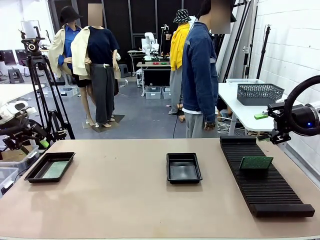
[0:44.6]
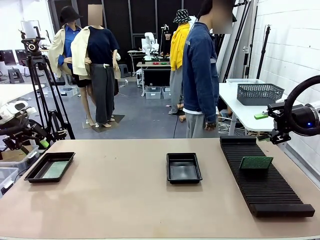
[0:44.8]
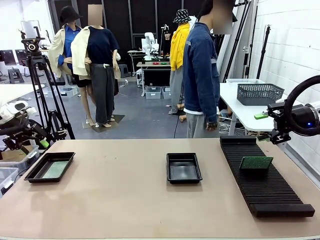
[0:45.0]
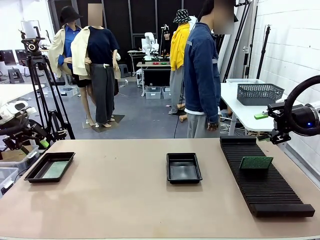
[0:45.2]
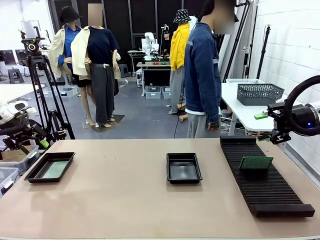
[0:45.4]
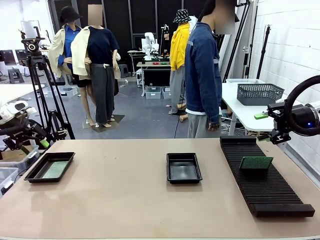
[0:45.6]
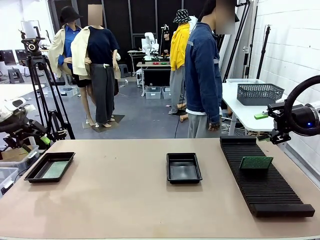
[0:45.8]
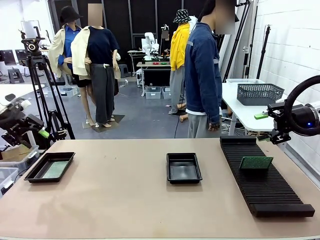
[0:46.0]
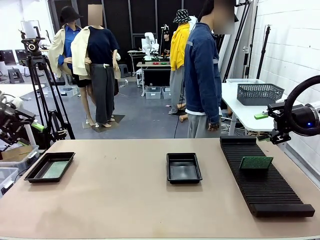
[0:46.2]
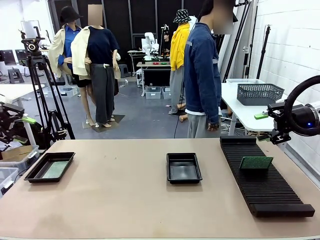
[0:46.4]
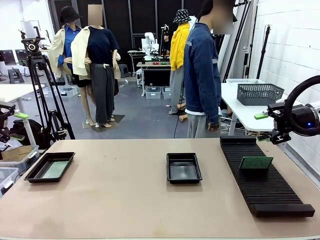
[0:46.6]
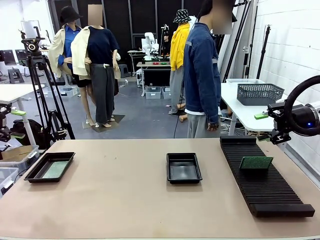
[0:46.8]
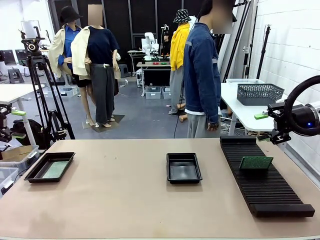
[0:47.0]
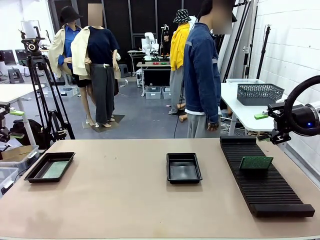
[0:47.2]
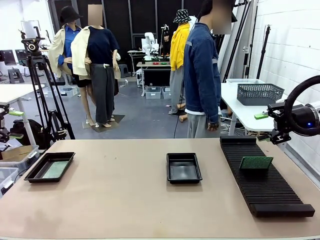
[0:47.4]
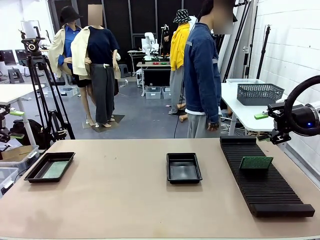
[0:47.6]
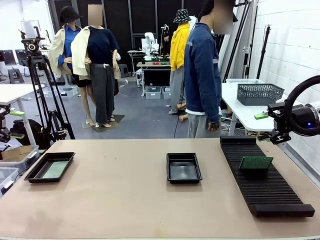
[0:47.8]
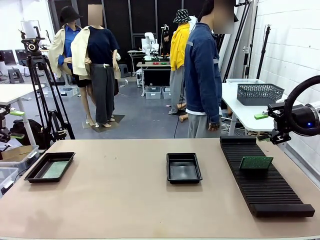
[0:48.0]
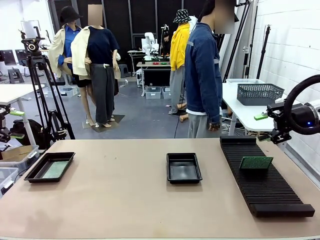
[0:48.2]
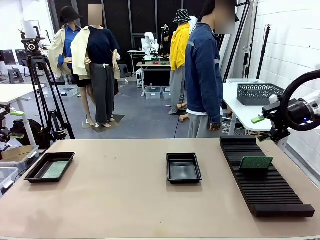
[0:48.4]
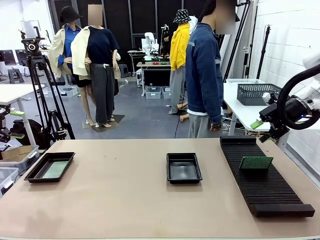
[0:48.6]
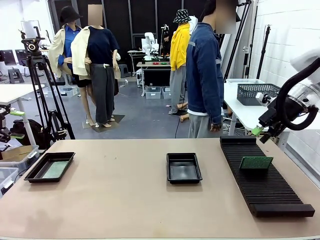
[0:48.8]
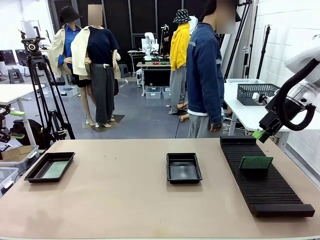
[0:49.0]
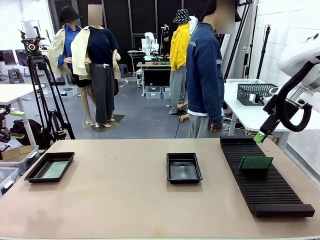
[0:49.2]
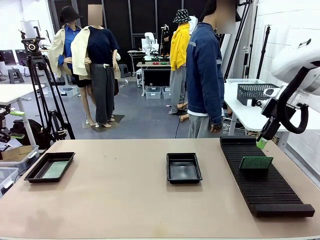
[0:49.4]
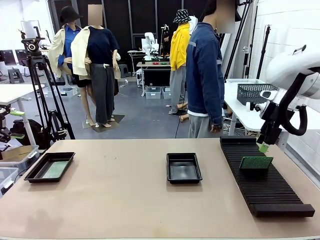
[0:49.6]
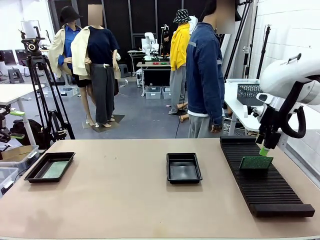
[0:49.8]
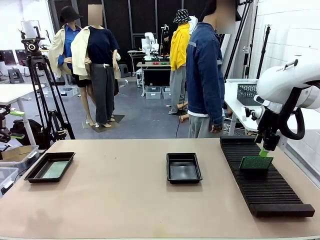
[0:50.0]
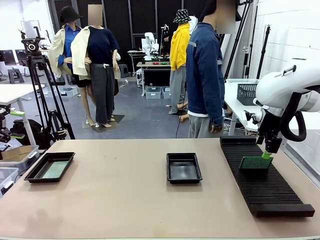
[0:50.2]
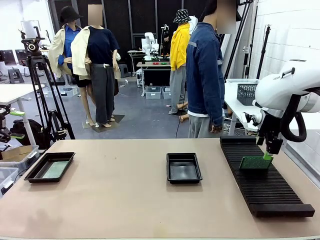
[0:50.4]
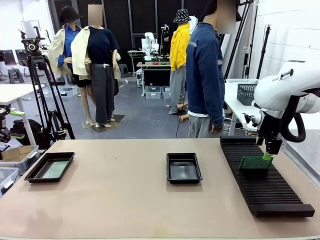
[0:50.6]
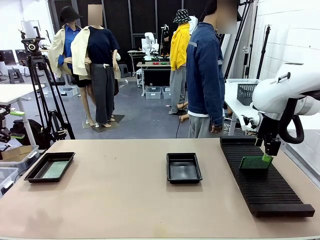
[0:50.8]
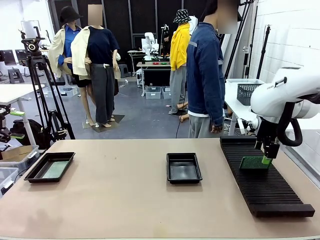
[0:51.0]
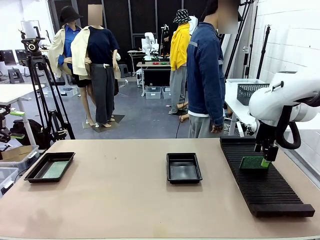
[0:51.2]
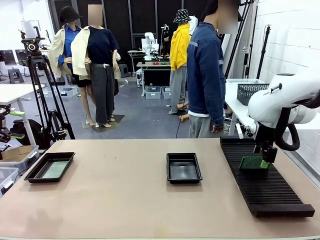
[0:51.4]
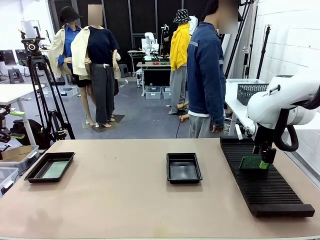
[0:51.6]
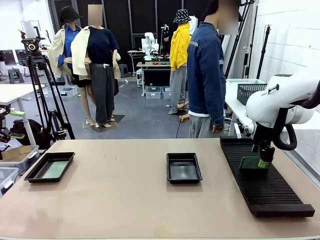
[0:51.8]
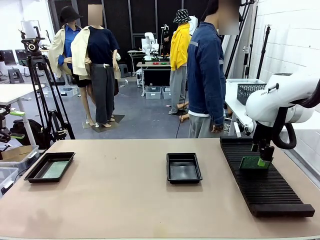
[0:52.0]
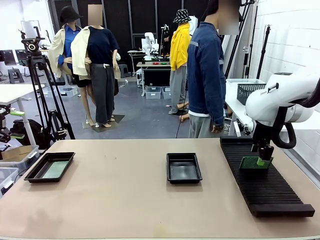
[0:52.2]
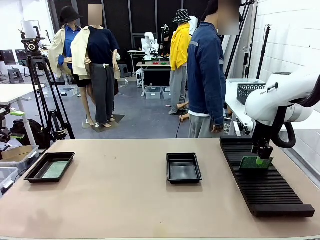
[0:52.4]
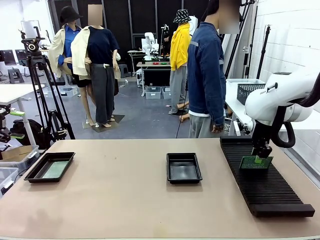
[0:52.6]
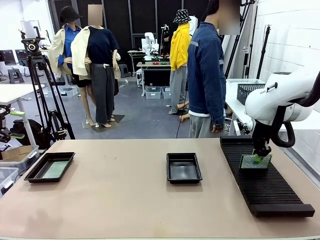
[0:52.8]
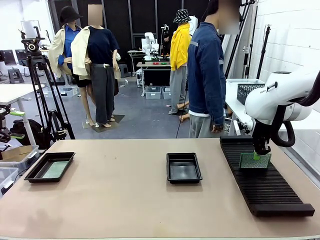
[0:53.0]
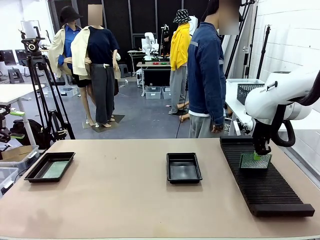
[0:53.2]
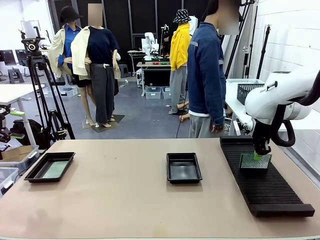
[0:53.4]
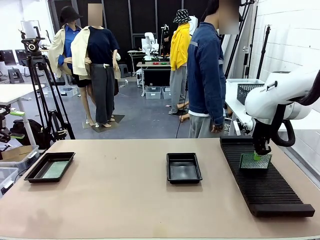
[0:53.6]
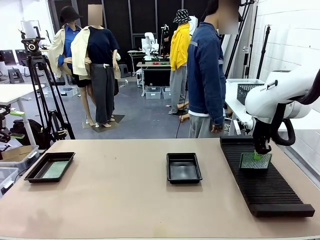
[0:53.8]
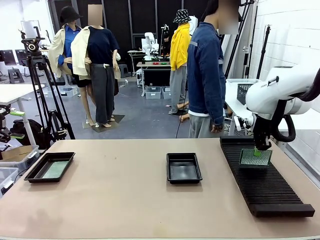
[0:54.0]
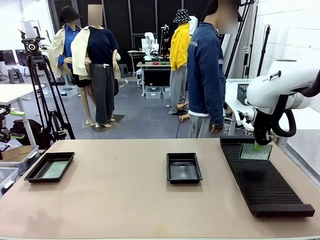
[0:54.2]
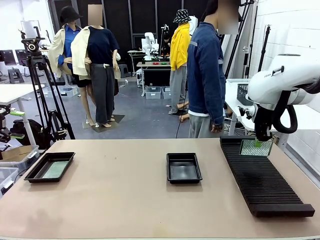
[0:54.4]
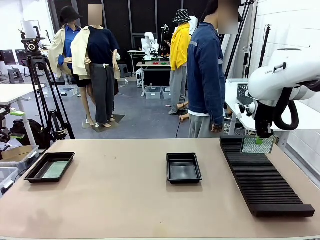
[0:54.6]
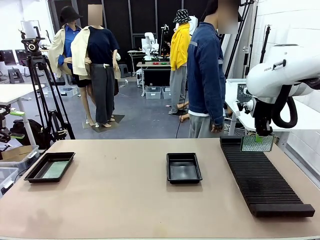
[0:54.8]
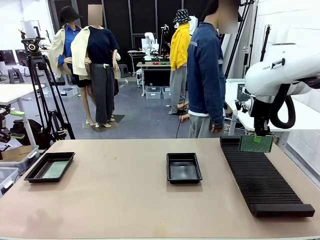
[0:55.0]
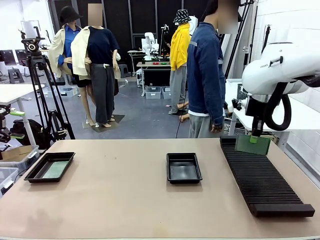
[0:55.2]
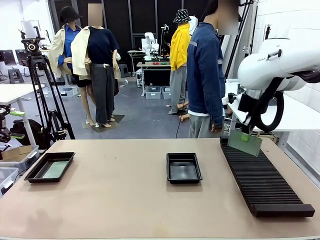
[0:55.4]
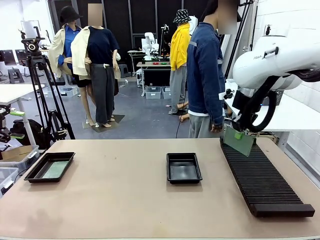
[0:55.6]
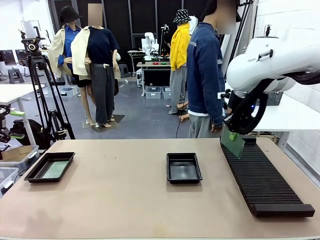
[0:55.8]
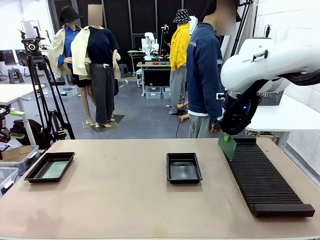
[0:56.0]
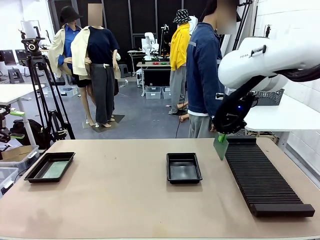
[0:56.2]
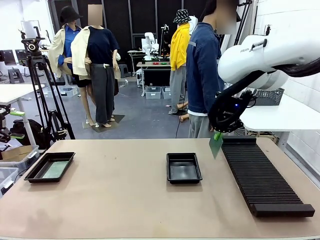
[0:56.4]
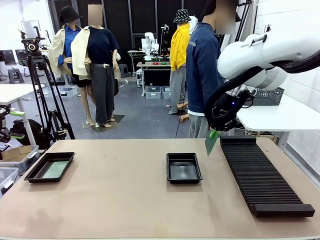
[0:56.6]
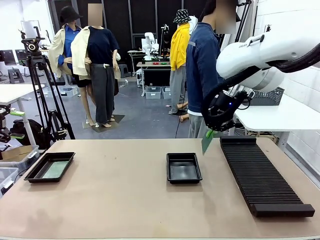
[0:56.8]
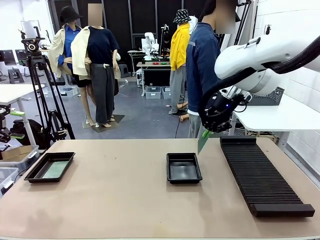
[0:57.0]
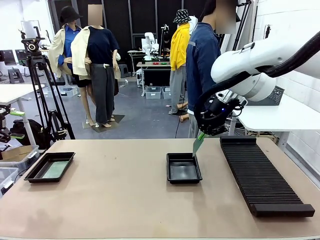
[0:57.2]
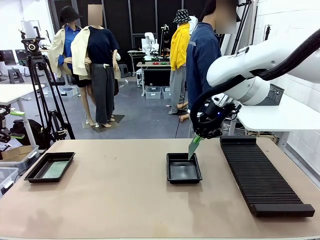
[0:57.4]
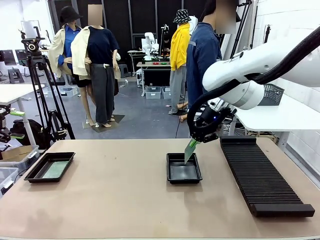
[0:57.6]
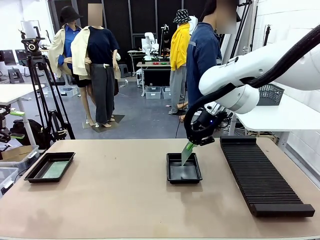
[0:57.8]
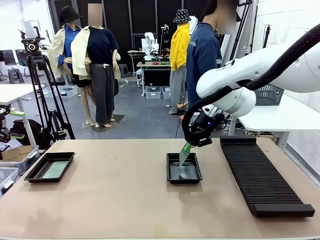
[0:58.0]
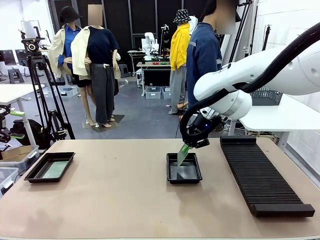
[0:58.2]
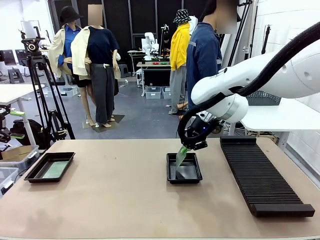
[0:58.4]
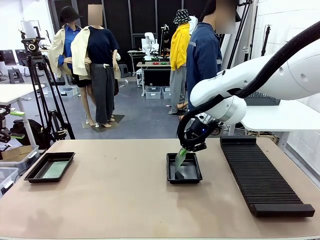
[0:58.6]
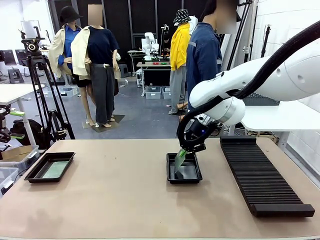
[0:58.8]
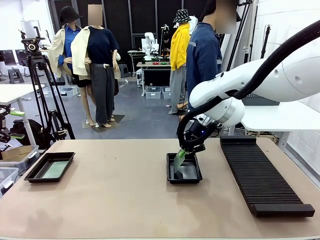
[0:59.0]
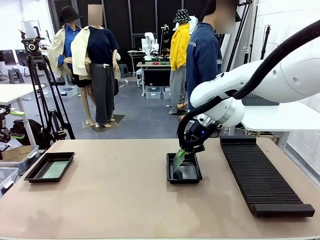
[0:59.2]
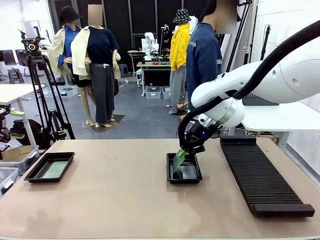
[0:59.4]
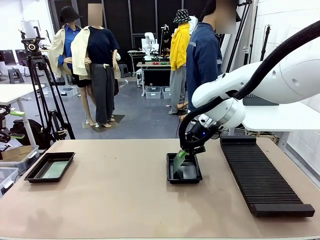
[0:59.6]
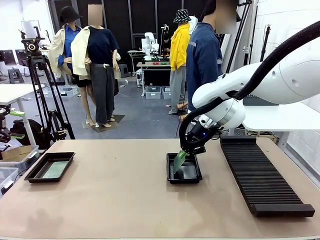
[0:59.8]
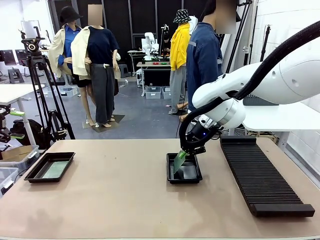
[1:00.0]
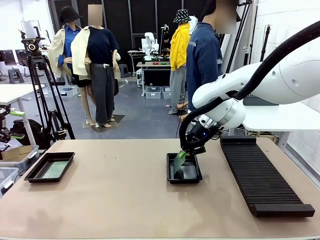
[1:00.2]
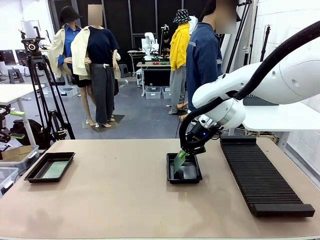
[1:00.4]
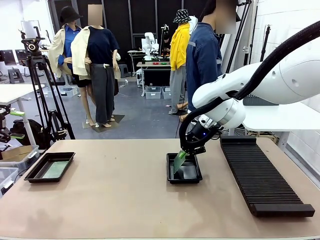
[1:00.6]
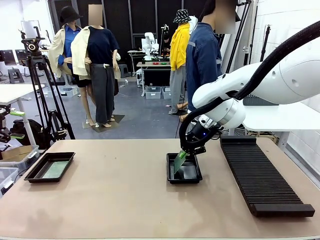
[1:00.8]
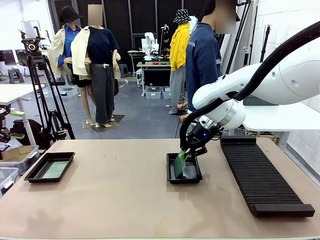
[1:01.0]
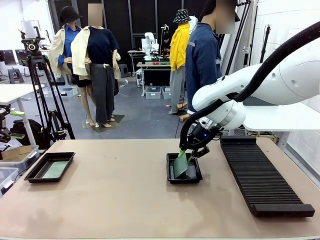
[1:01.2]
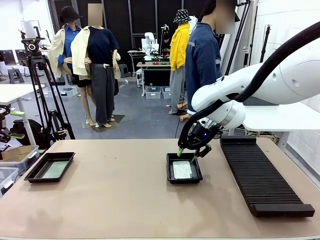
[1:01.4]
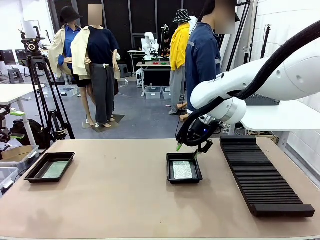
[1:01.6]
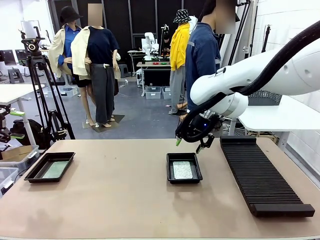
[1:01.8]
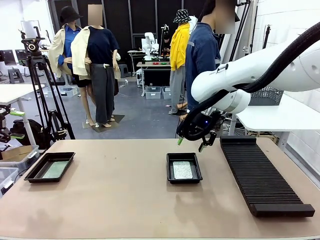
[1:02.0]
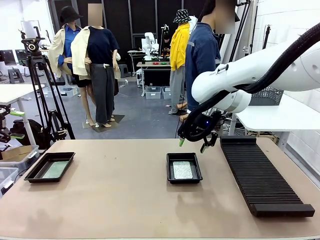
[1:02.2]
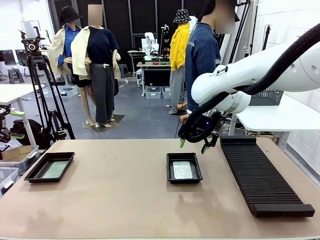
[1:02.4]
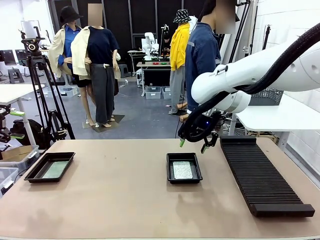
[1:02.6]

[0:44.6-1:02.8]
Task: Inspect and transfer BCBs to ESD trays.
Robot: Pick up the Blank PCB from the PCB Rack and place it in the right ESD tray.
